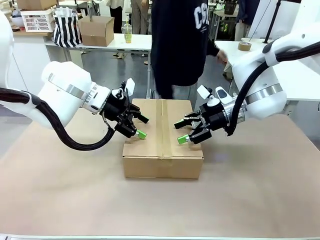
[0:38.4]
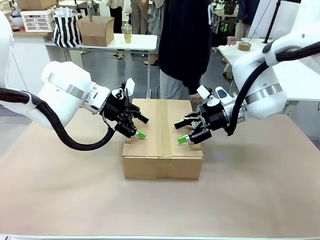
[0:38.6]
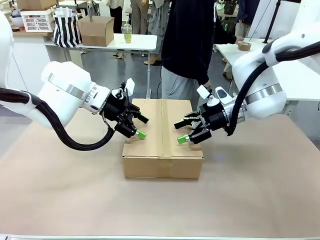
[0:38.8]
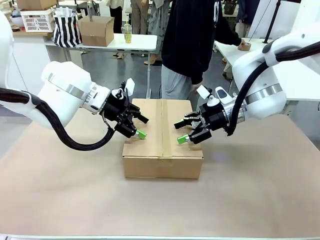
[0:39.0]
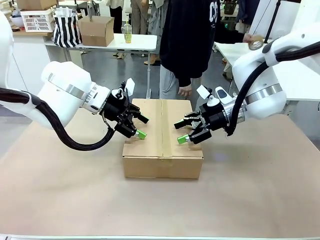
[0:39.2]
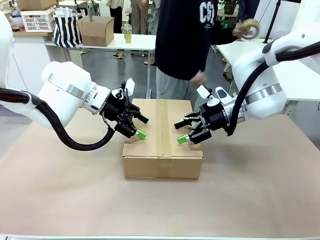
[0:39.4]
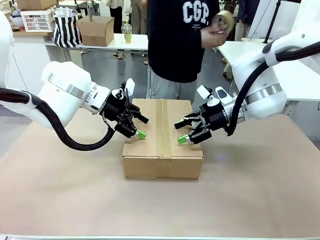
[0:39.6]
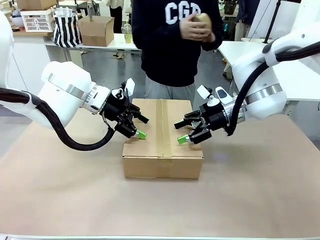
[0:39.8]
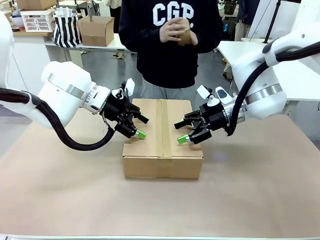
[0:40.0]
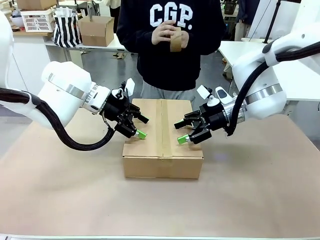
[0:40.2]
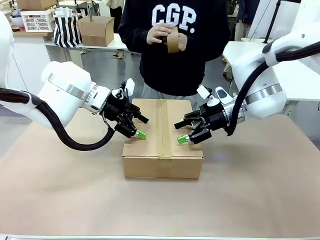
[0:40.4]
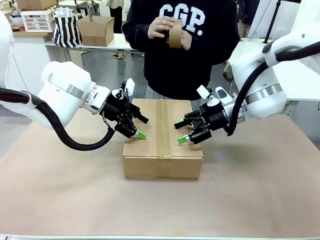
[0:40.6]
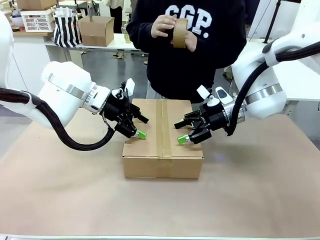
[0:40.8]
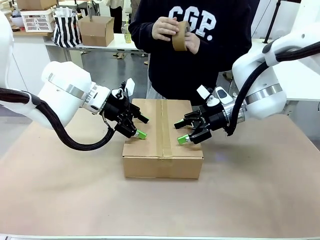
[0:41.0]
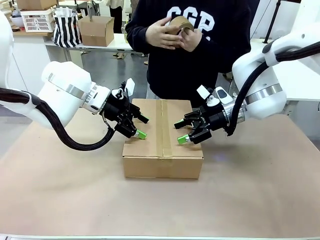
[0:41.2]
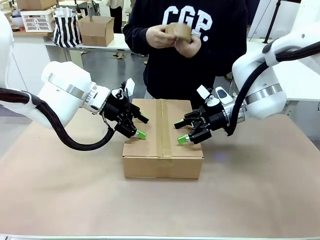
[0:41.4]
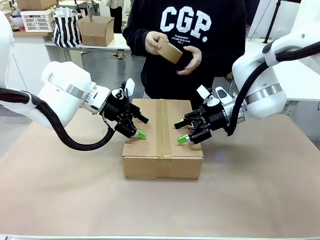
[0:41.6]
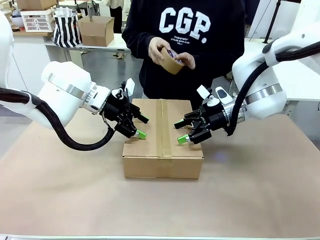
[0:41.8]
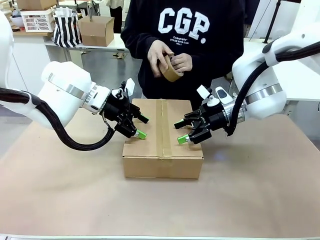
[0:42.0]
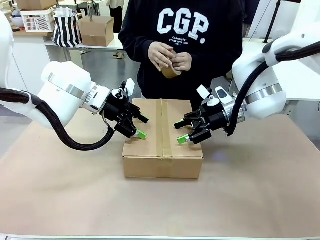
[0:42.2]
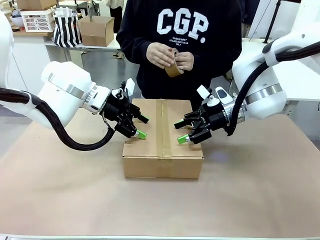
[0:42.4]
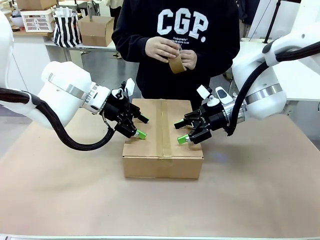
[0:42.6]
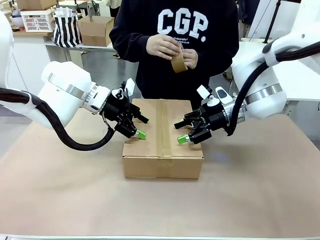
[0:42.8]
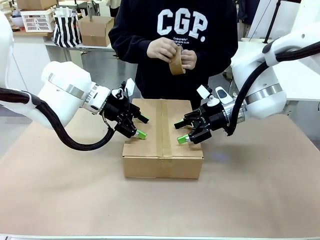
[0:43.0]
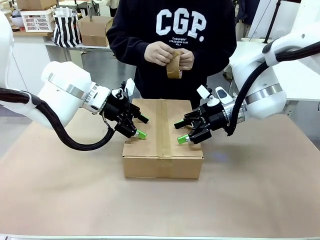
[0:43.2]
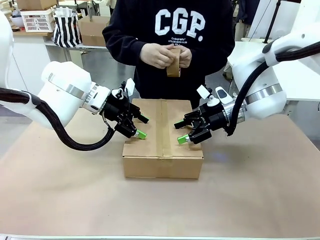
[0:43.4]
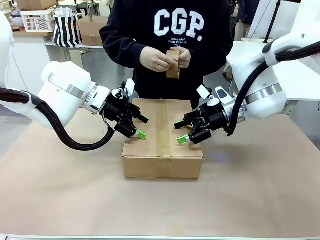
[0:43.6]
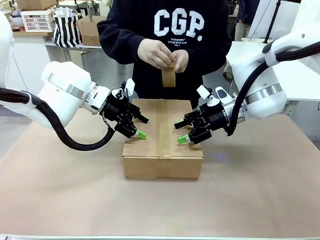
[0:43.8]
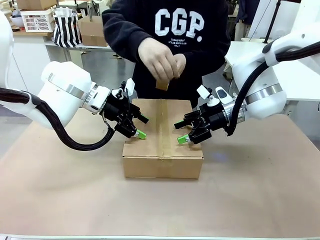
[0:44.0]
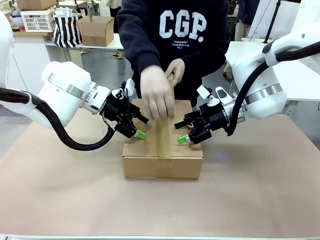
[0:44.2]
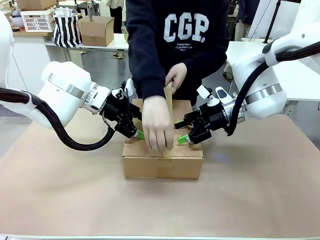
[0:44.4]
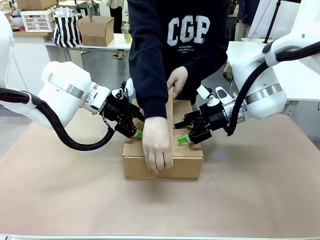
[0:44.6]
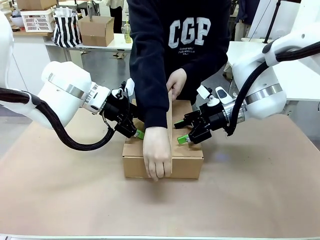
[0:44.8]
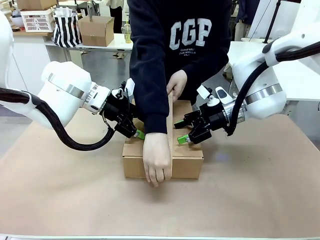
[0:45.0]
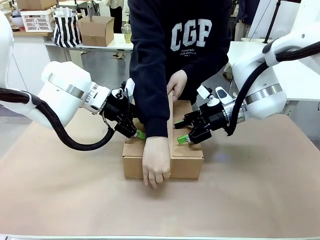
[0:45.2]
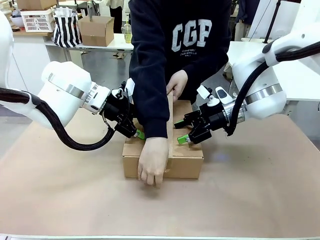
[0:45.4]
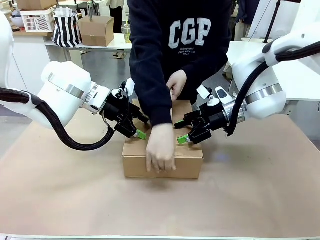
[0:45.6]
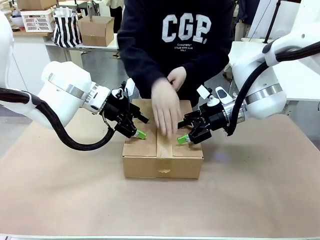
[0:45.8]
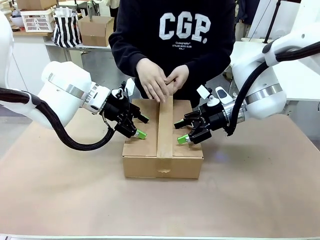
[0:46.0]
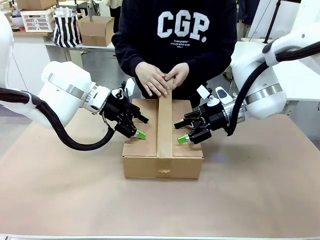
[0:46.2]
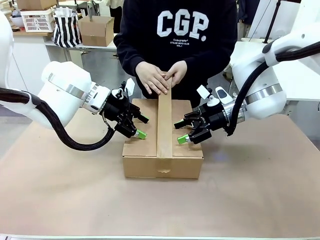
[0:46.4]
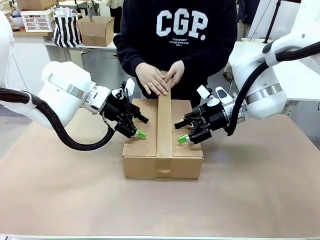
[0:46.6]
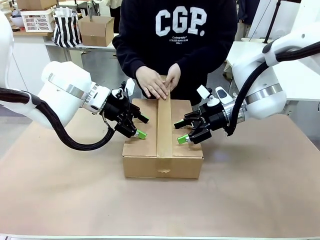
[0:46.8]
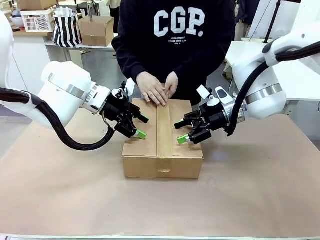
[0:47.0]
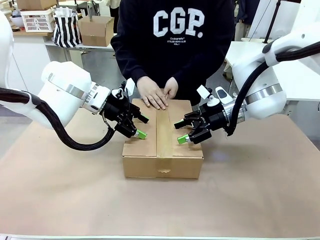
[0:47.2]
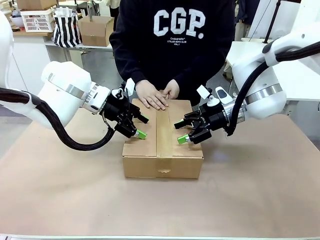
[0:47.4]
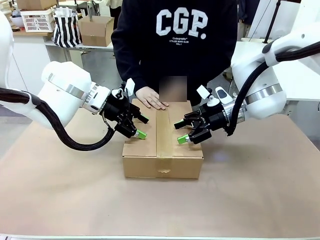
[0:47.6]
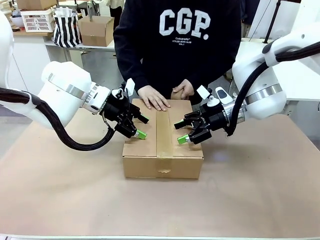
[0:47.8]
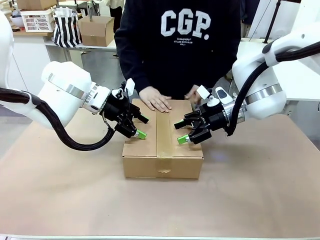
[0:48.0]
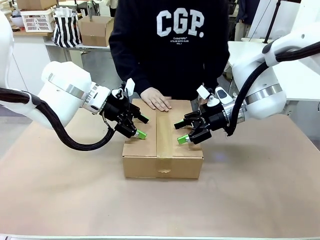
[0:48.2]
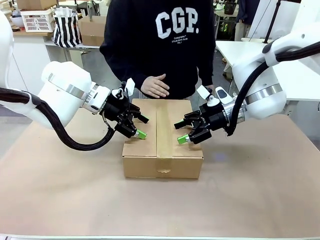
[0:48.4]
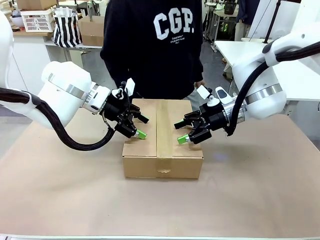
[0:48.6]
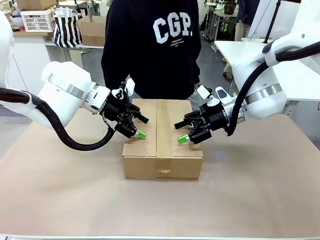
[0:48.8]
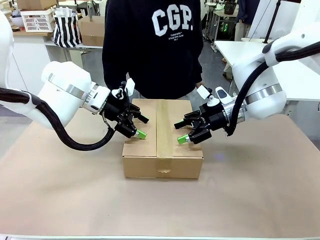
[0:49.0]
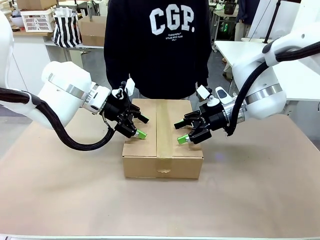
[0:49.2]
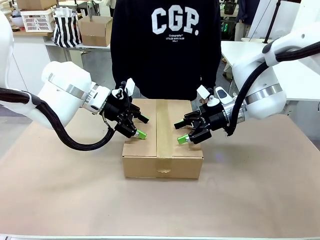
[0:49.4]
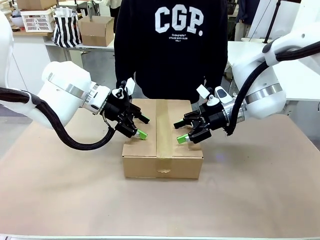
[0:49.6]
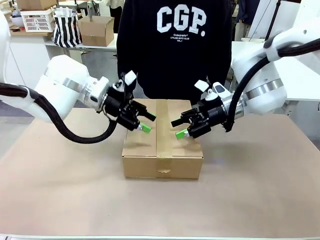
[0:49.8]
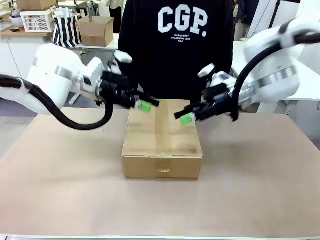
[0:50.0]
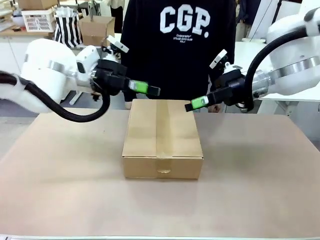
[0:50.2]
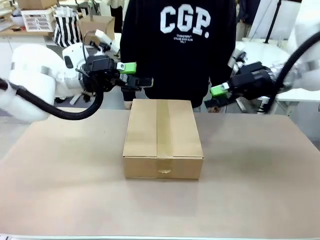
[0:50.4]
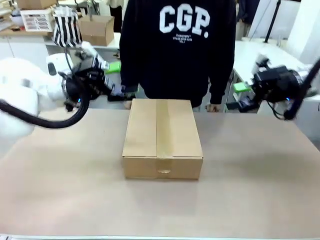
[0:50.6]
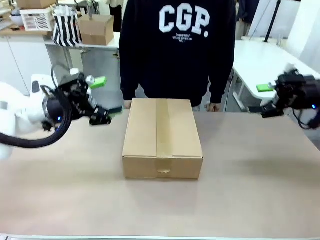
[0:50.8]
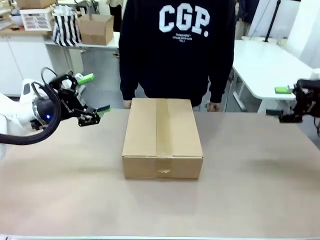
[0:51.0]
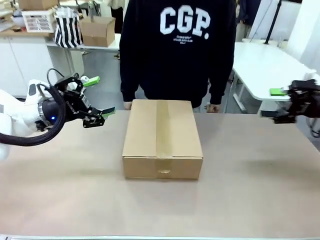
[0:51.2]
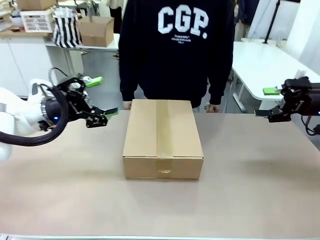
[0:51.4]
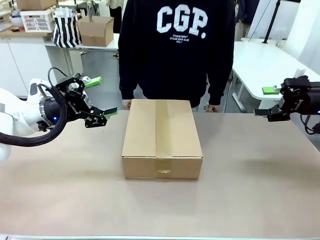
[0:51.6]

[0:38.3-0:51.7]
Task: Pack the gift set into the box.
Robot: Press and hold the closed box until the human finishes sealing it.
Person: The human picks up the paper tape from the human table and packs the box.

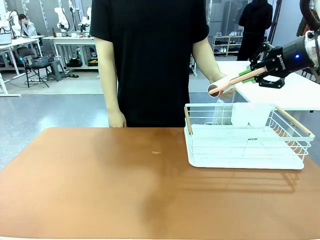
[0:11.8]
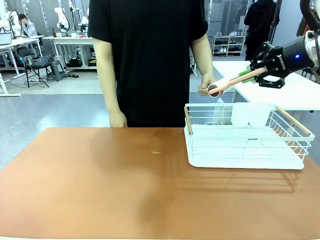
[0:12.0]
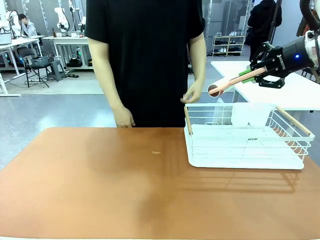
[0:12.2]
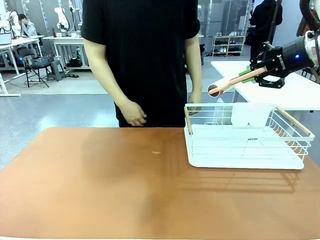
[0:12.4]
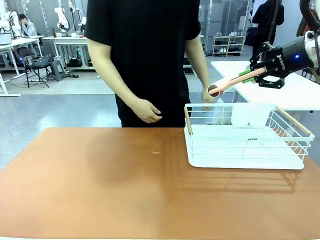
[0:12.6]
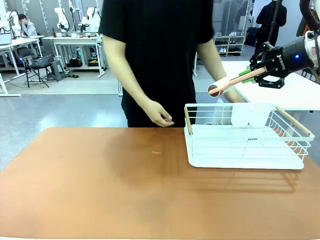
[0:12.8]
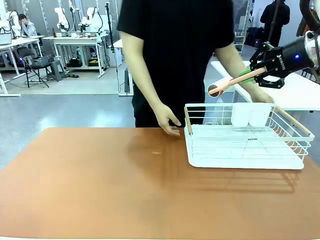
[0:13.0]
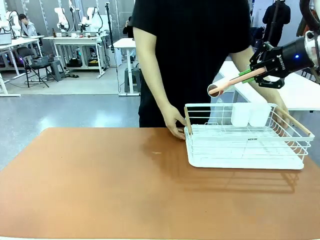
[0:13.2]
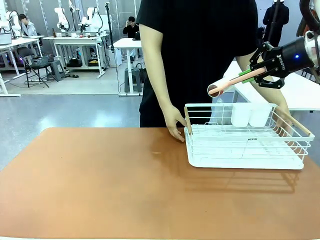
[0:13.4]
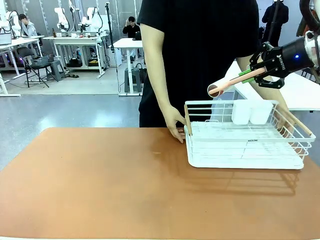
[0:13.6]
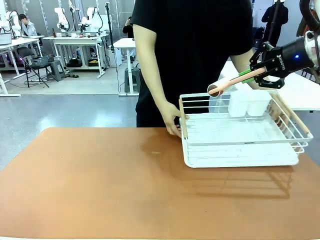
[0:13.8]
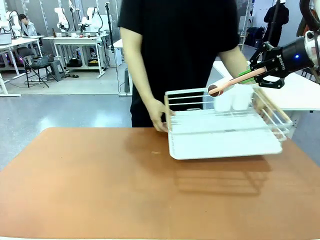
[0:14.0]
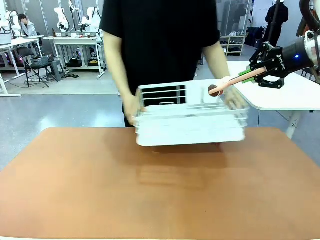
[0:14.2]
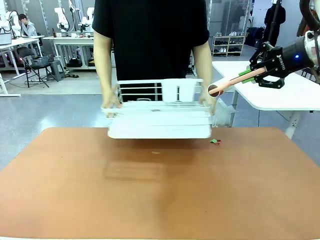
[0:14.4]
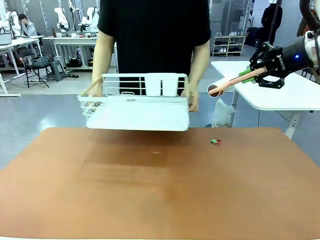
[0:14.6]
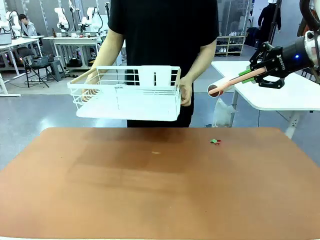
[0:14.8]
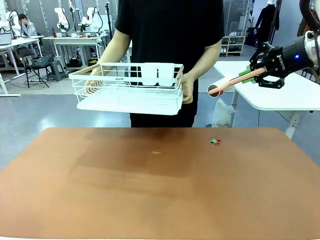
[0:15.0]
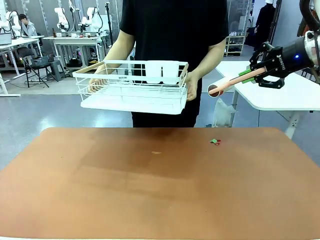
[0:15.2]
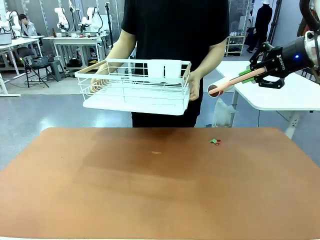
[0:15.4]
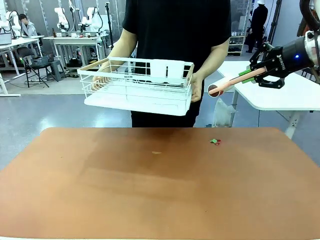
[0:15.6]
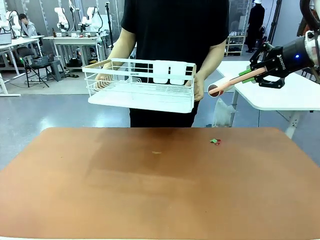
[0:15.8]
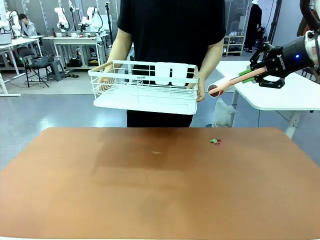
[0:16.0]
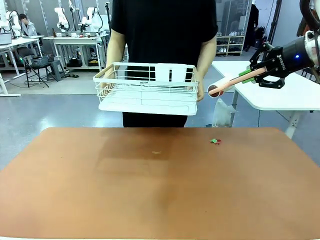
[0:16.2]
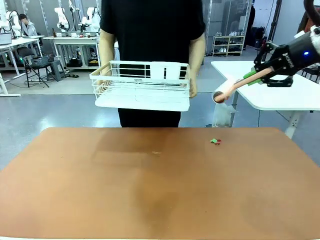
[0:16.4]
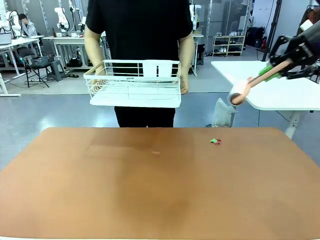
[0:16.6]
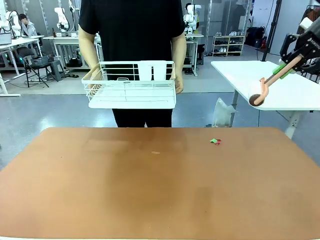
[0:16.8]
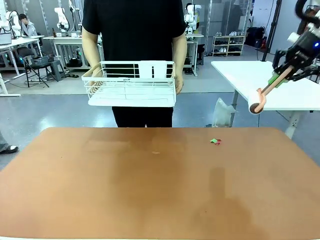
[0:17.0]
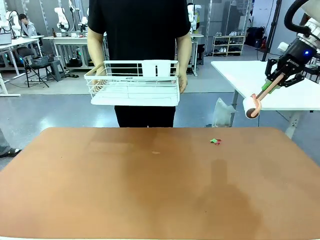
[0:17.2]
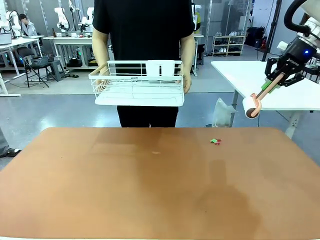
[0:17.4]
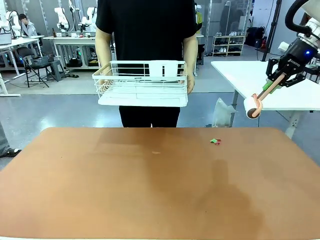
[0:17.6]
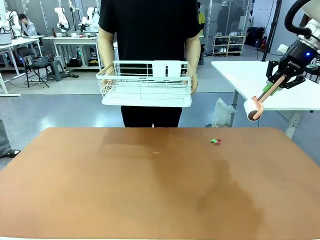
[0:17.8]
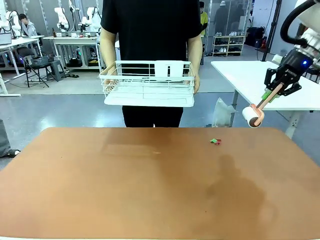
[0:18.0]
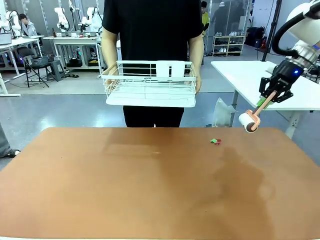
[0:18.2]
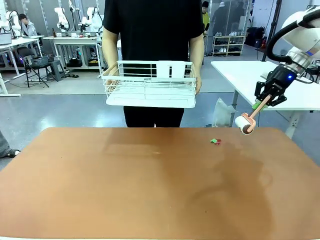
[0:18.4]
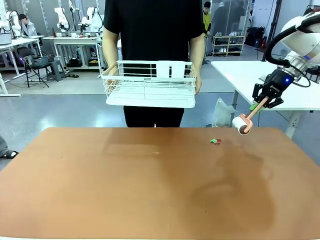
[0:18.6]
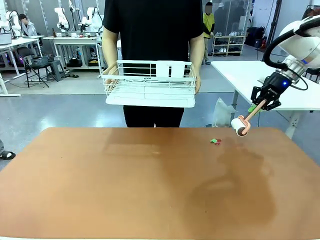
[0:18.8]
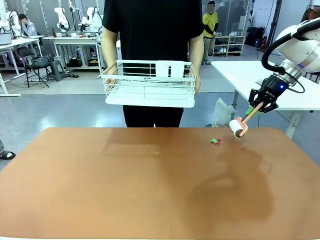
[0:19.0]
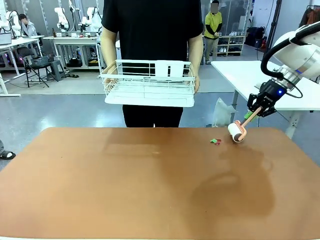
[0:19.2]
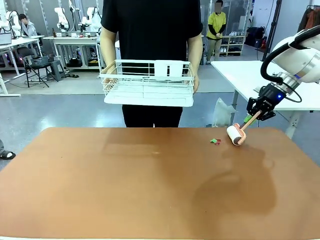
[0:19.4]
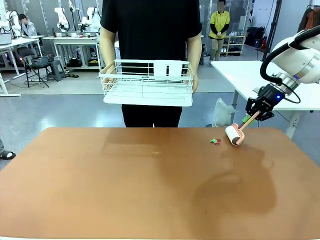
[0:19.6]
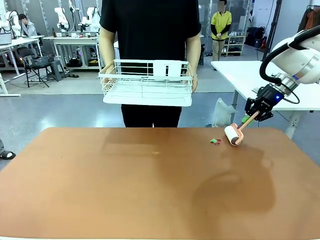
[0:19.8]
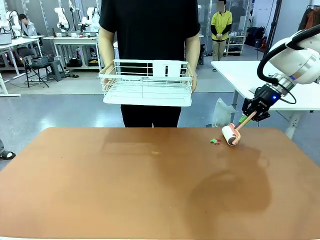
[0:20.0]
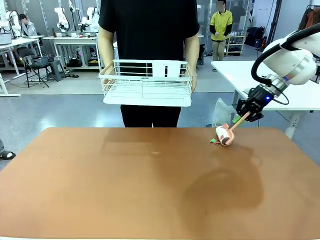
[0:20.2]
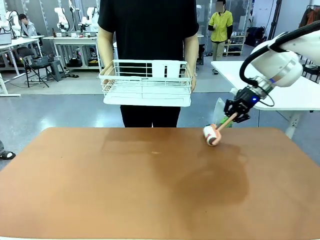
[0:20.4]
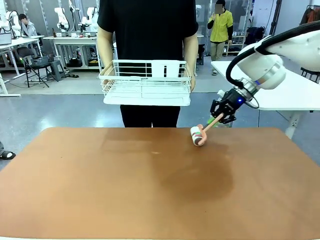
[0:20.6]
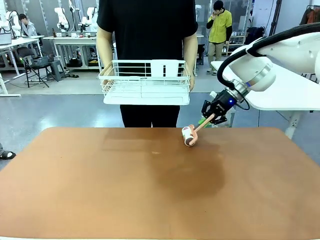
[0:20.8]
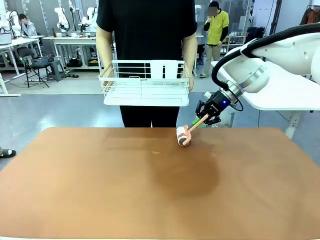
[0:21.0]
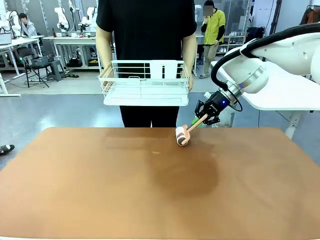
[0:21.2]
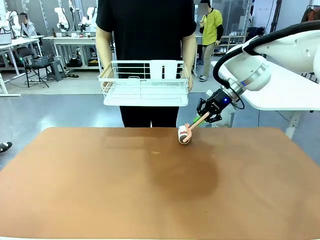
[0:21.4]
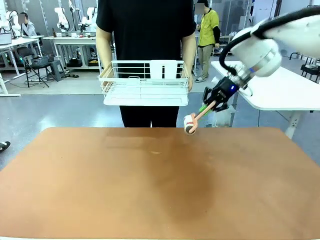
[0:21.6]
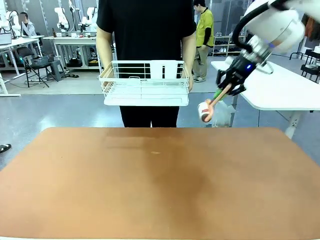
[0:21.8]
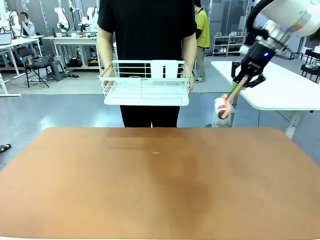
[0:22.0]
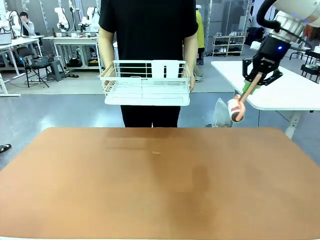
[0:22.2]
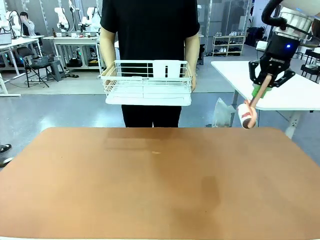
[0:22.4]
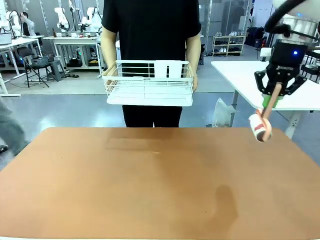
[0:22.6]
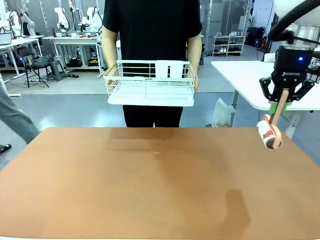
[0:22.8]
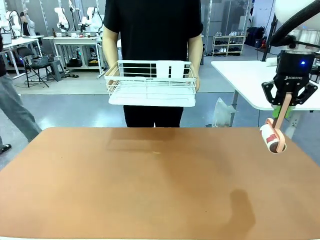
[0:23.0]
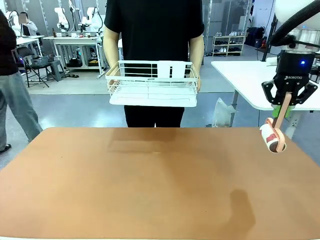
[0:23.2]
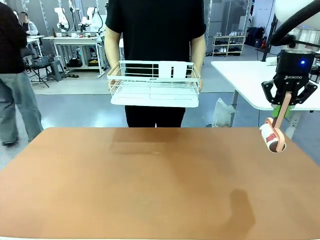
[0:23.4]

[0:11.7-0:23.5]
Task: Clean the table.
Robot: Clean the table with the Lint Roller when the human lifts the Dish drying rack.
